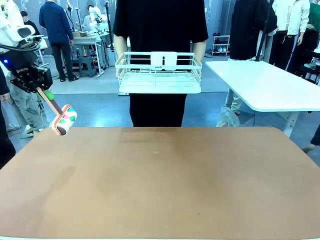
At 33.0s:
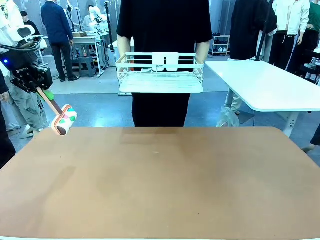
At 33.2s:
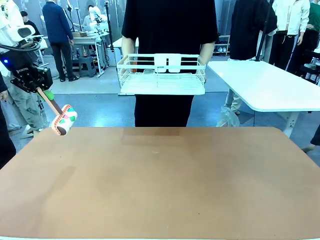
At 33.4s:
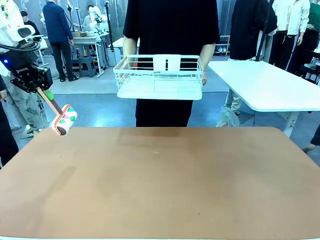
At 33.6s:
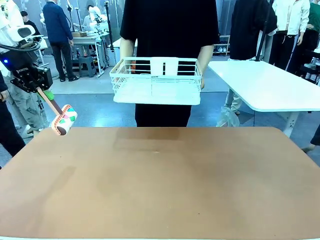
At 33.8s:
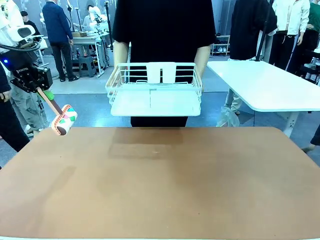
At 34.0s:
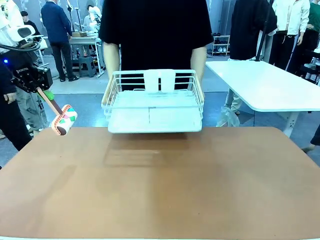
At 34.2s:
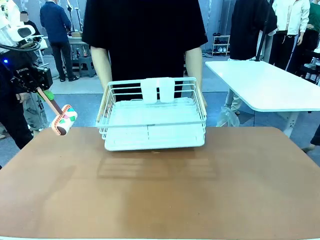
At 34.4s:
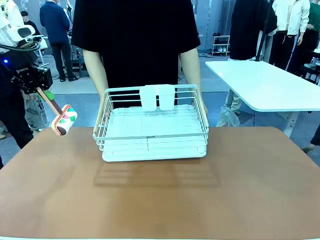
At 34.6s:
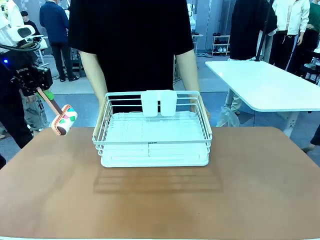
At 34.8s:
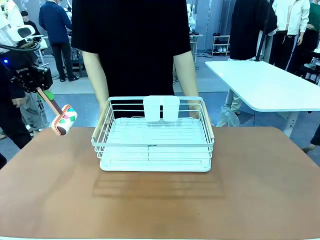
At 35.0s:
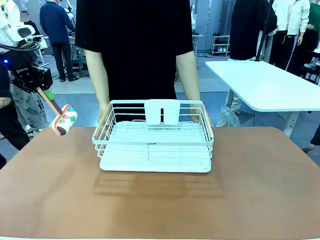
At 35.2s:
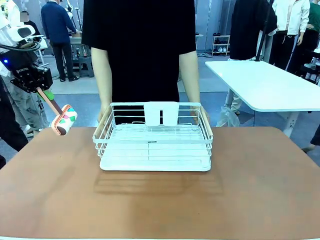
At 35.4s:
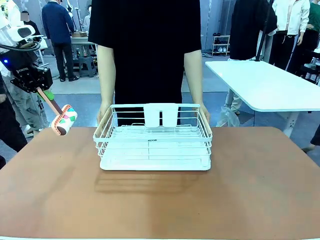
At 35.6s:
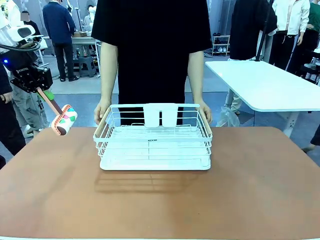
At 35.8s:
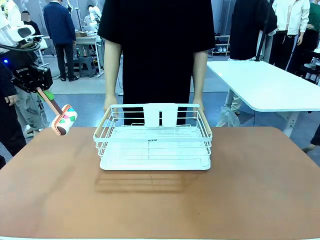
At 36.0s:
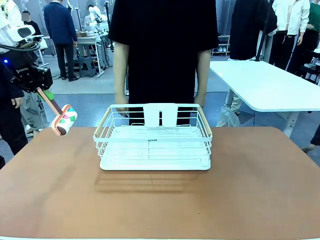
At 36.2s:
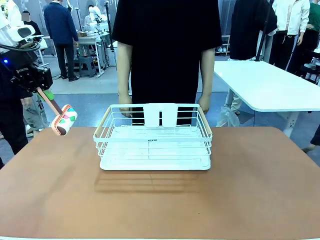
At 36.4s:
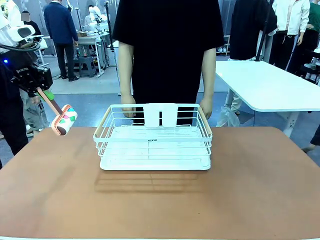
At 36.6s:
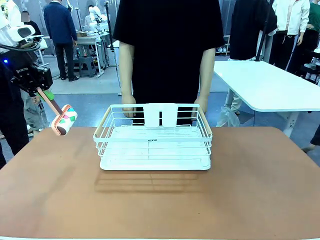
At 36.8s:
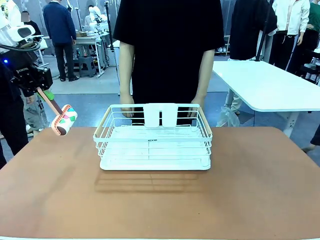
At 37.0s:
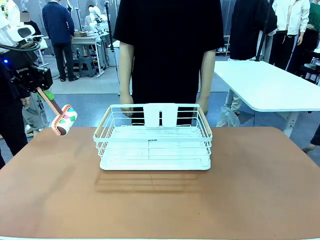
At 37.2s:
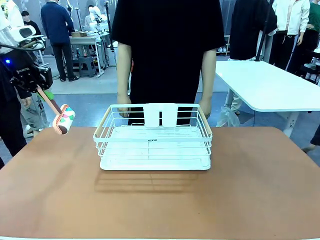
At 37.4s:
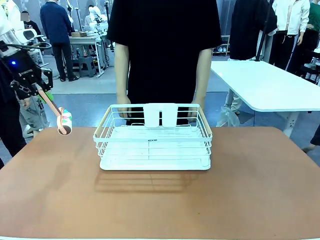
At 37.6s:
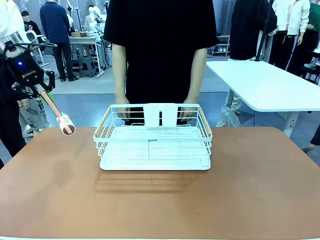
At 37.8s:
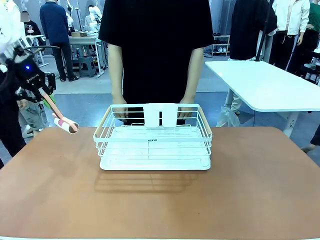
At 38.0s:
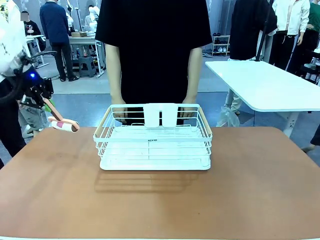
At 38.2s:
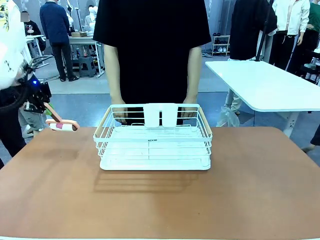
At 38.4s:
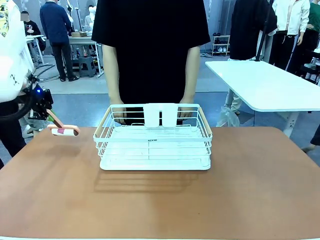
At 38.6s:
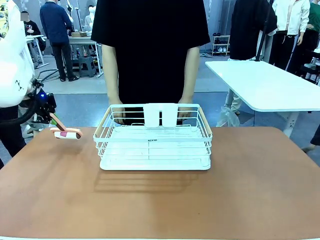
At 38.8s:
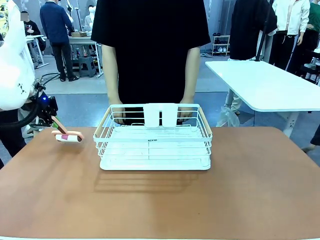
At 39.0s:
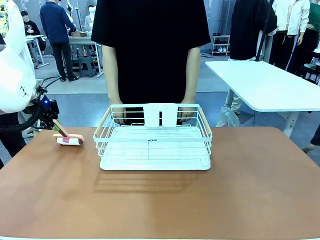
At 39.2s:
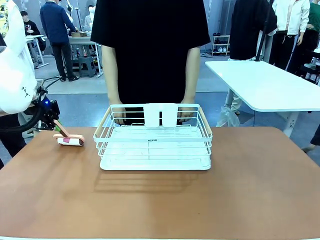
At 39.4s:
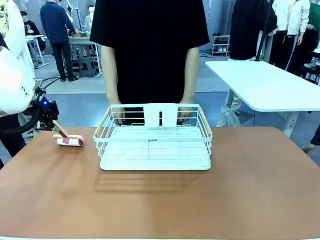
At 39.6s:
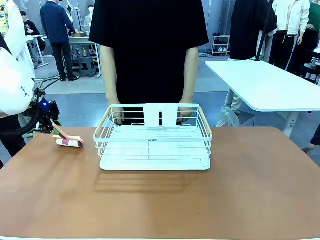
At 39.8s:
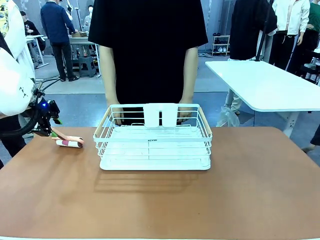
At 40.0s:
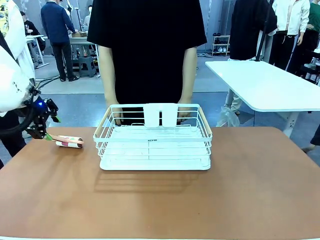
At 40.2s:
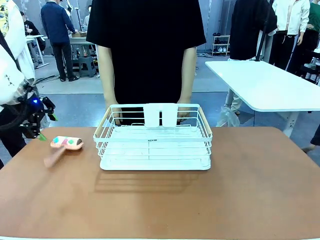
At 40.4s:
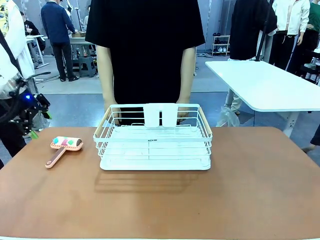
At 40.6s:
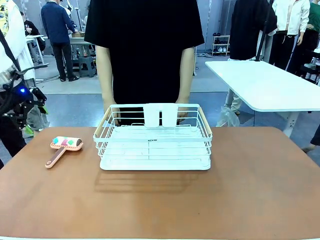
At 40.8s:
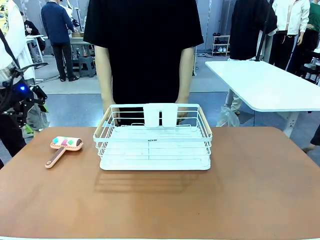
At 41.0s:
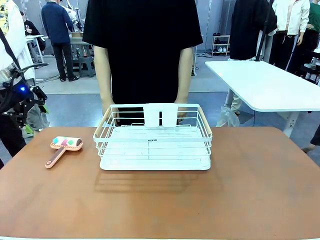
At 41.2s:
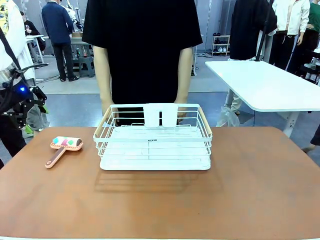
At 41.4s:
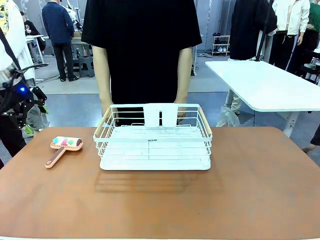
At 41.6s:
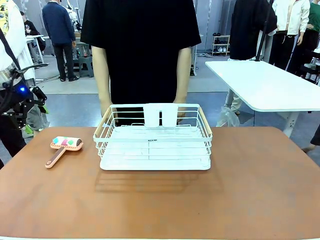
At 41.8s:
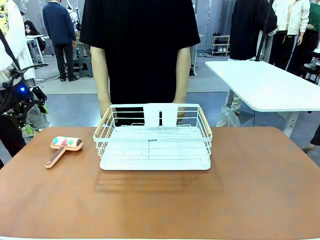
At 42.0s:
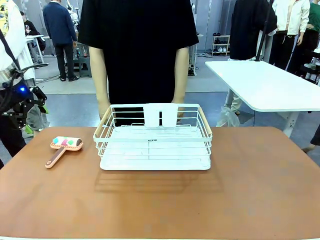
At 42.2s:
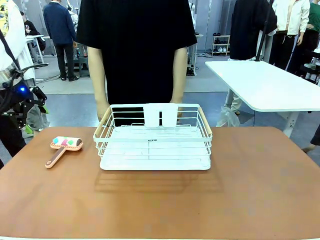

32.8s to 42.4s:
Task: Clean the table.
Robot: Place the Lint Roller down when the Dish drying rack is positioned in the middle of the table.

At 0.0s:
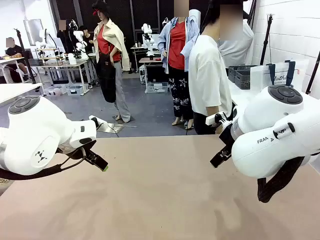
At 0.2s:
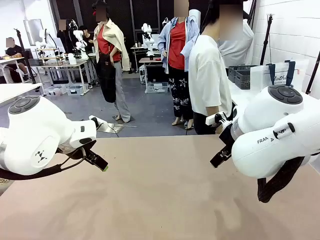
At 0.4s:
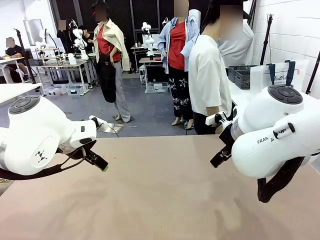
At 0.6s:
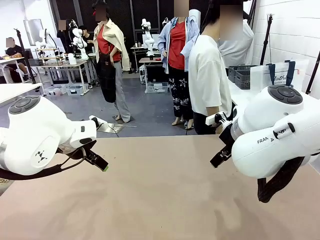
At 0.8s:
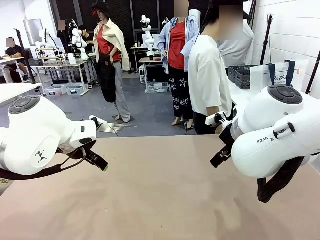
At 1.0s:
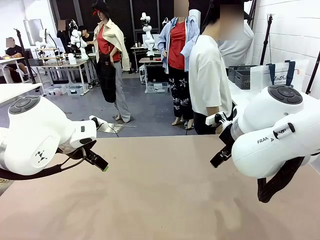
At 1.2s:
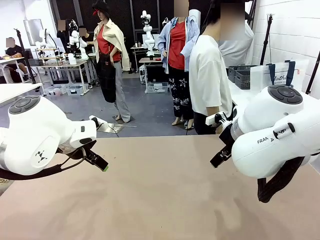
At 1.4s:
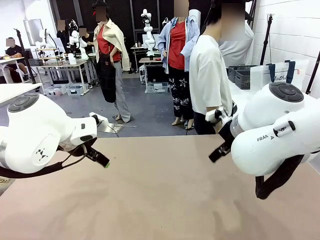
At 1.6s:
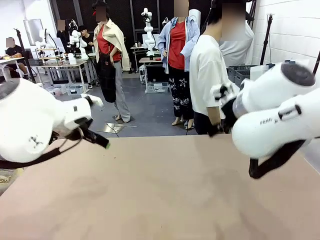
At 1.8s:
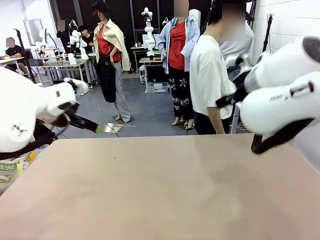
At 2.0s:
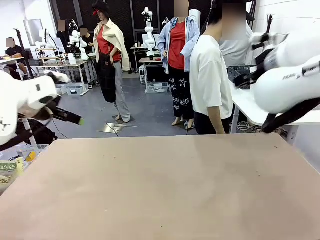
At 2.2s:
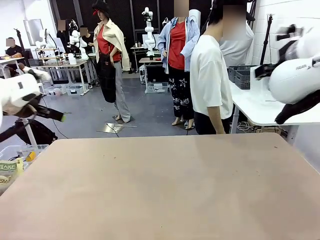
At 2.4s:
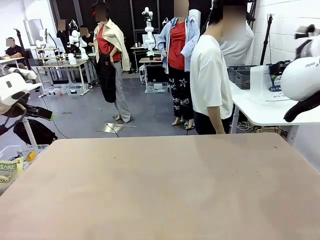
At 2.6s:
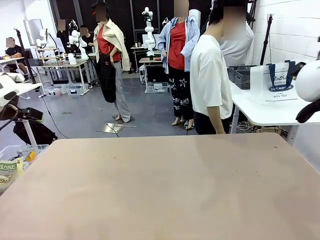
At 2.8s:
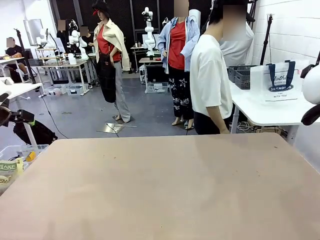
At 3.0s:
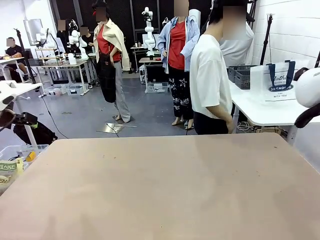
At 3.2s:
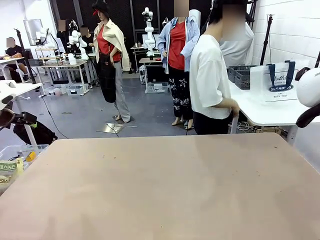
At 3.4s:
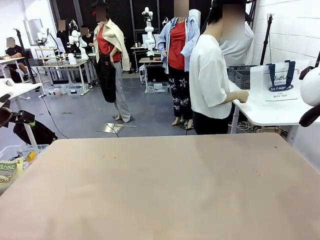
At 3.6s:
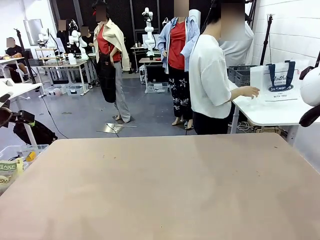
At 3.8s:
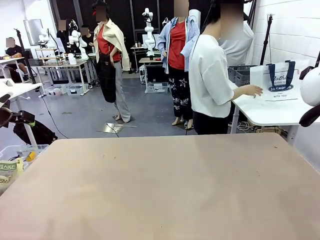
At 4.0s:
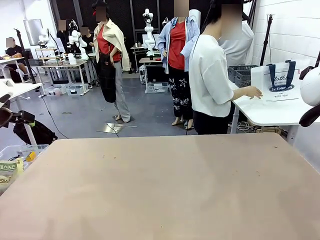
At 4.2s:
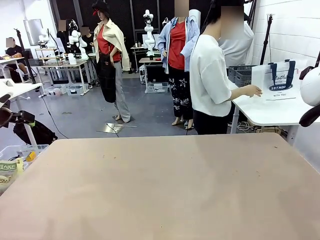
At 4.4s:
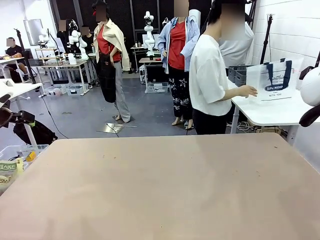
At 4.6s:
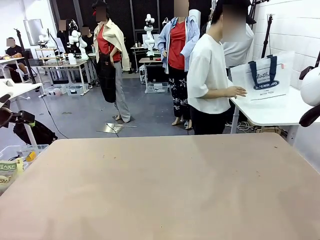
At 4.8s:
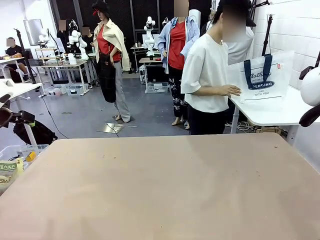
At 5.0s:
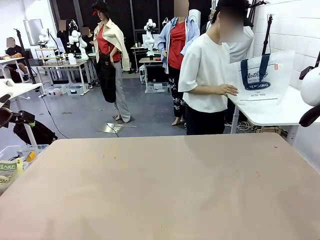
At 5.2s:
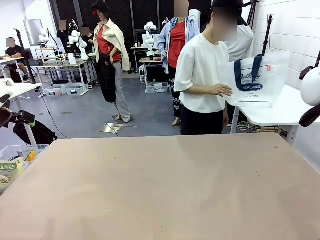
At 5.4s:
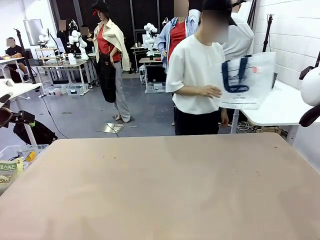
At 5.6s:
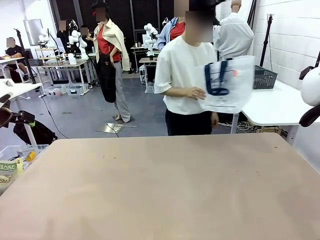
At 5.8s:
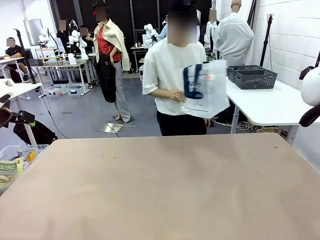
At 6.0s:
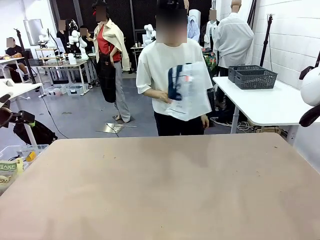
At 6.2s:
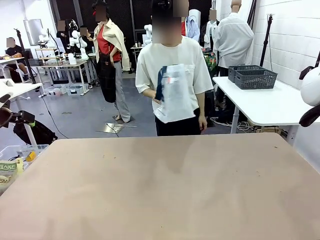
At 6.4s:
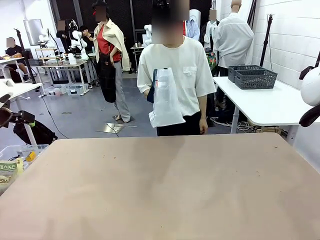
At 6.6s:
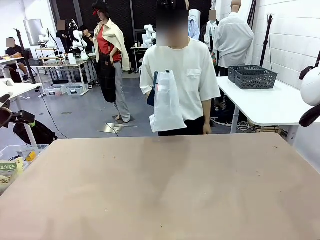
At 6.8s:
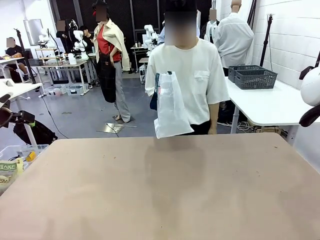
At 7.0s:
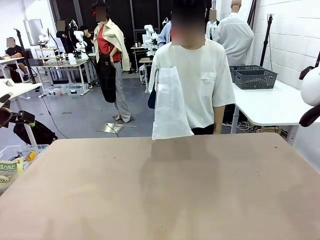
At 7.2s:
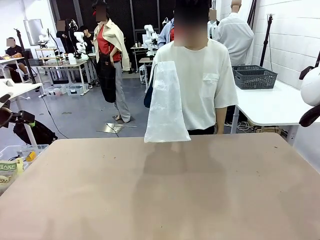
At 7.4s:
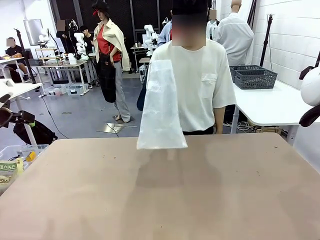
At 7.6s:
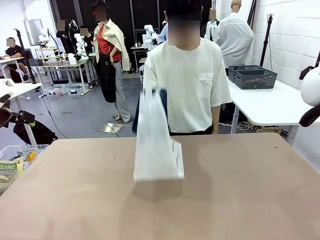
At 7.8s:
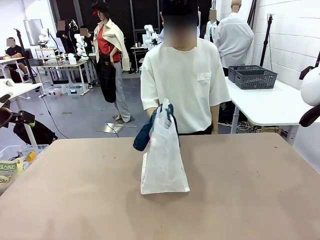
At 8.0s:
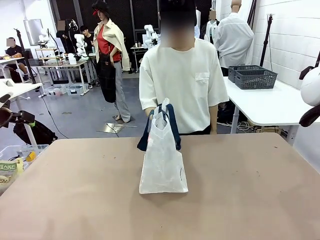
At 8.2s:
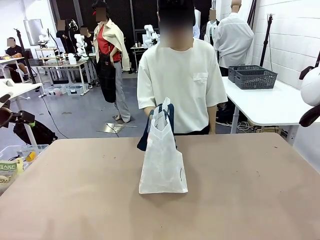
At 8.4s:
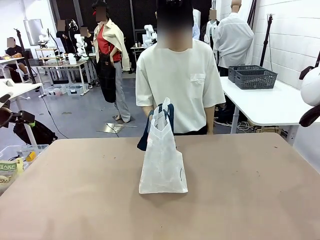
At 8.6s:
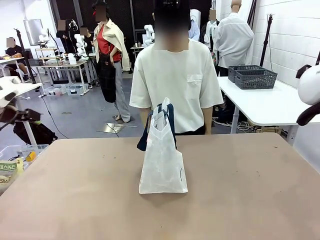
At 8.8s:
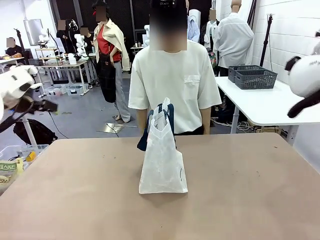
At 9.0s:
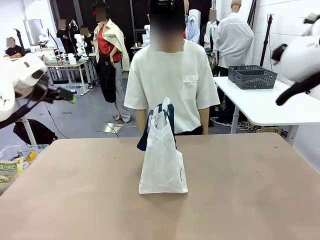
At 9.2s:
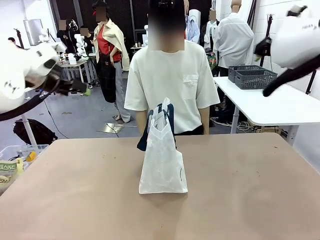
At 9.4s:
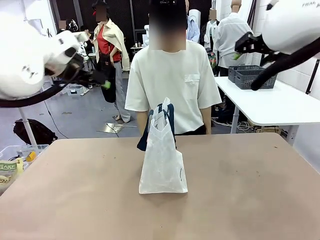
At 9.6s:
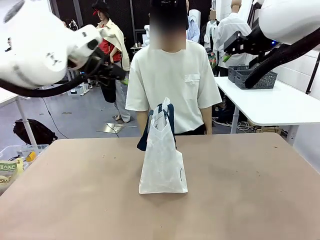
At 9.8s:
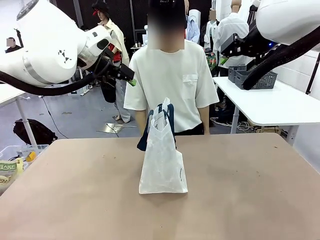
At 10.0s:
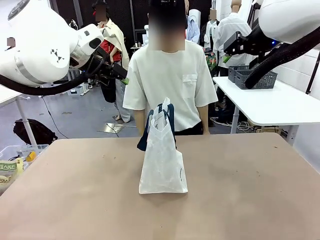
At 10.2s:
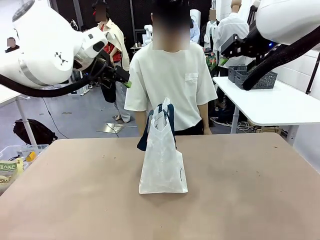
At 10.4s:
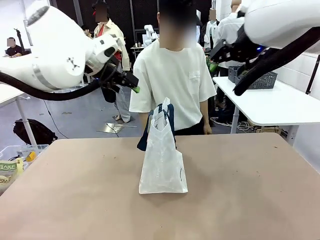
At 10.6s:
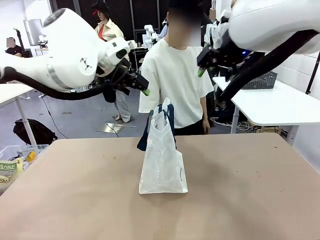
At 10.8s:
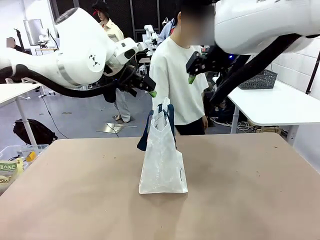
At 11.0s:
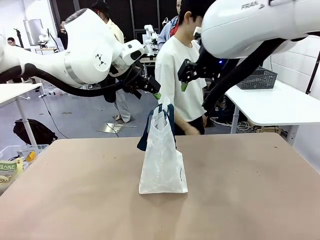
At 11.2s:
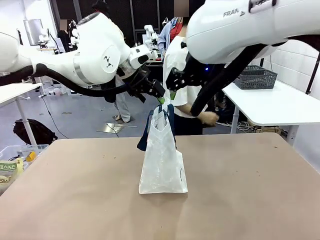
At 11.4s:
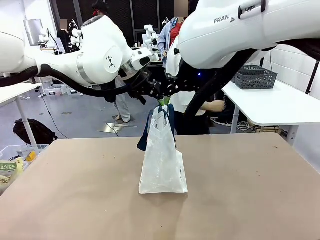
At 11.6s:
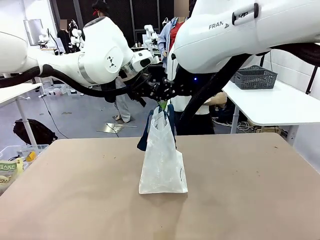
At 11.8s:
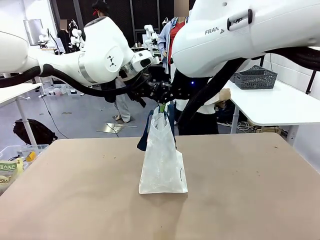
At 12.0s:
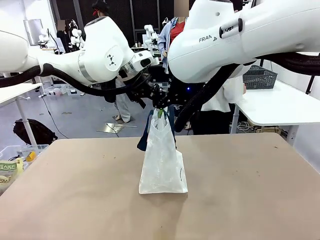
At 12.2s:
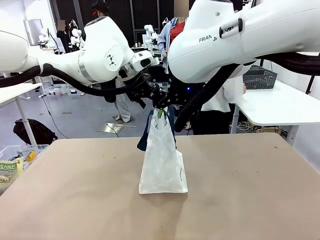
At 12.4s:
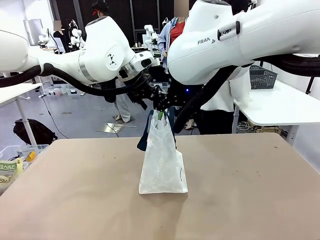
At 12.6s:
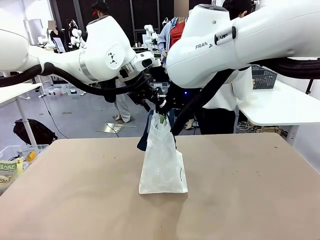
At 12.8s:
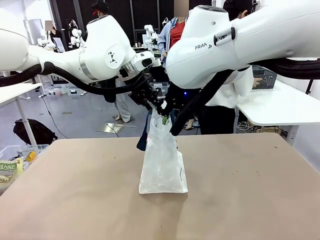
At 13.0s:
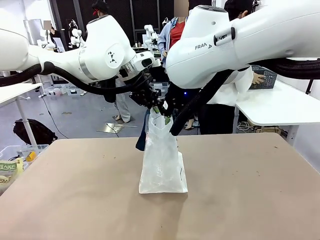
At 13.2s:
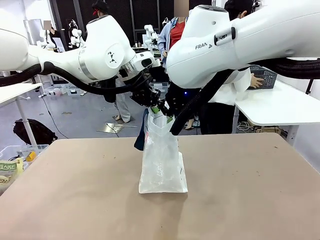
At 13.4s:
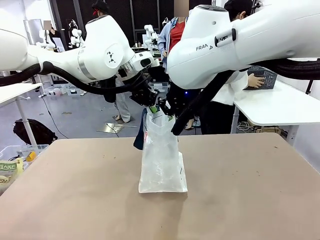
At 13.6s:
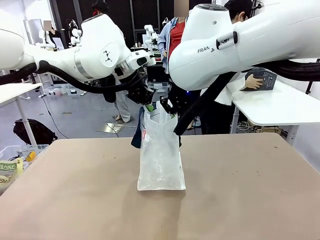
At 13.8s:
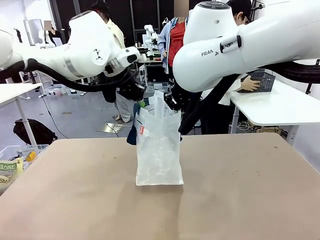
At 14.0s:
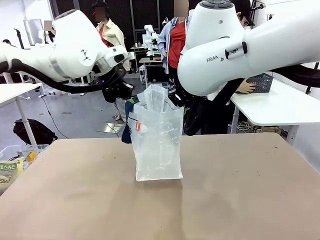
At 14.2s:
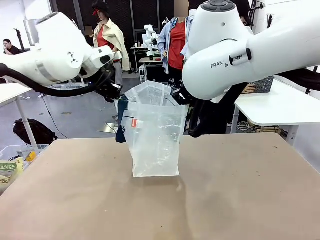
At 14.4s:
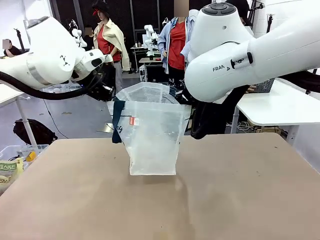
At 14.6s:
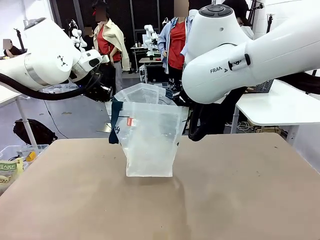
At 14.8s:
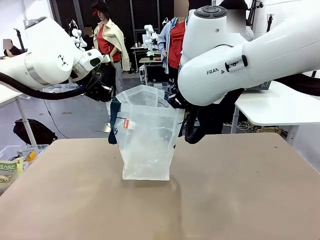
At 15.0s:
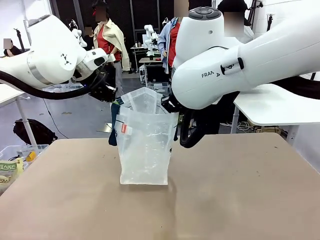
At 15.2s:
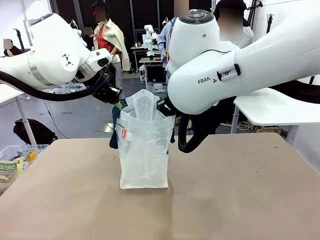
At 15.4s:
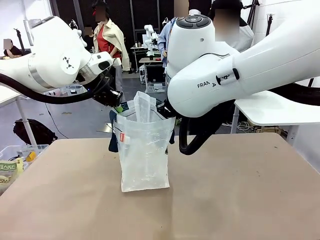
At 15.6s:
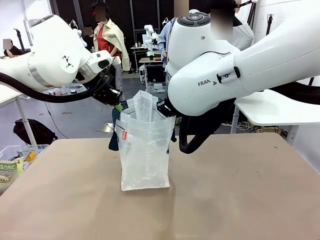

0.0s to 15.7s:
Task: Transfer purchased items from the store into the shopping bag.
Robot: Open the Reusable shopping bag in the center of the table.
Person: Pick up the shopping bag and place it in the middle of the robot table. Pick up the basket on the right, place it on the left side of the robot table, and move the items in the basket to the shopping bag.
